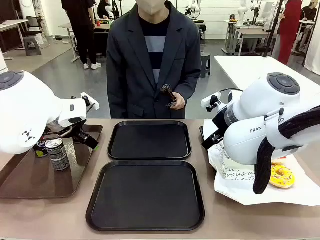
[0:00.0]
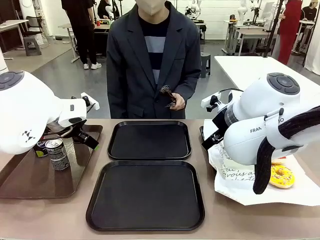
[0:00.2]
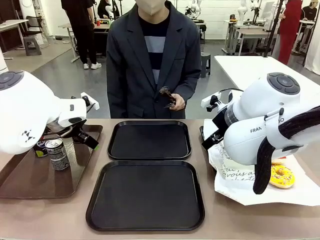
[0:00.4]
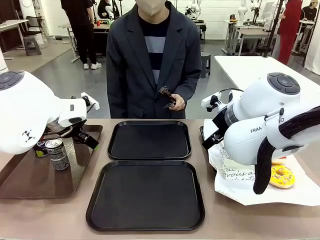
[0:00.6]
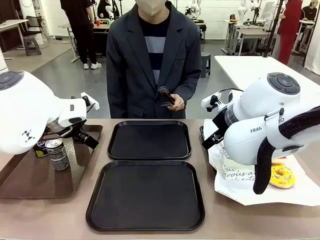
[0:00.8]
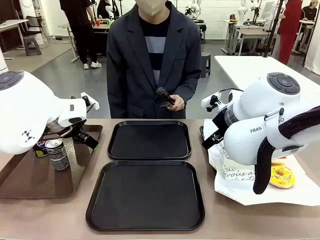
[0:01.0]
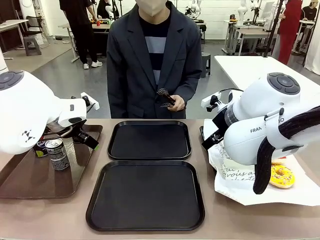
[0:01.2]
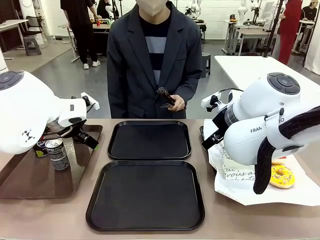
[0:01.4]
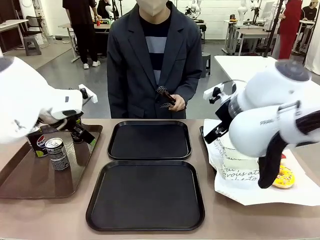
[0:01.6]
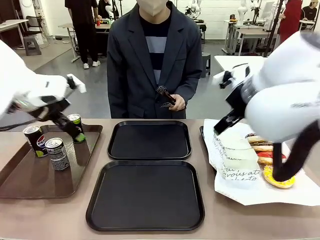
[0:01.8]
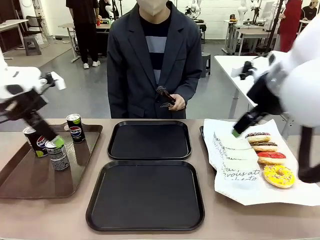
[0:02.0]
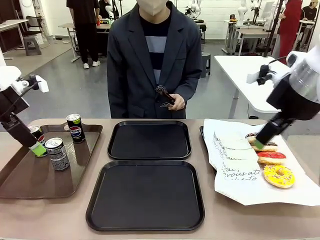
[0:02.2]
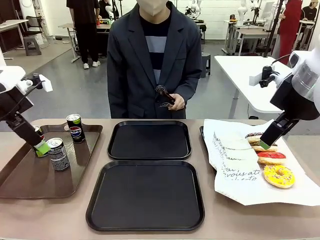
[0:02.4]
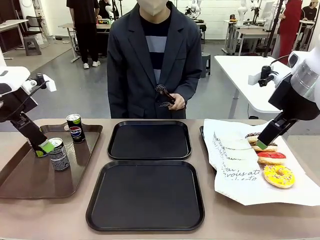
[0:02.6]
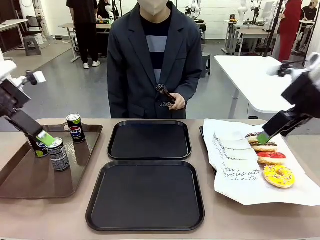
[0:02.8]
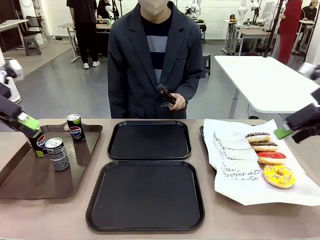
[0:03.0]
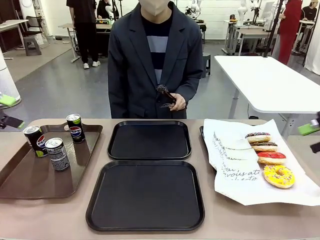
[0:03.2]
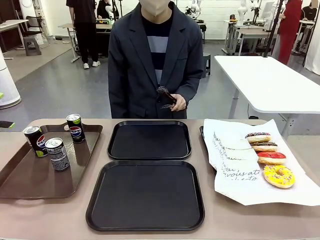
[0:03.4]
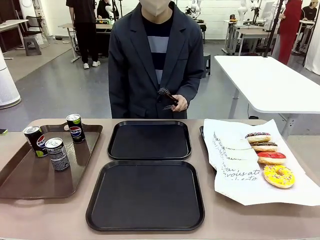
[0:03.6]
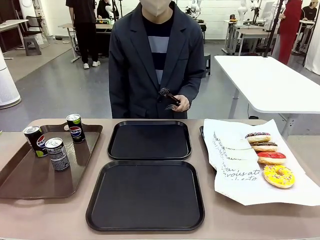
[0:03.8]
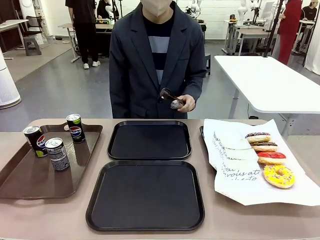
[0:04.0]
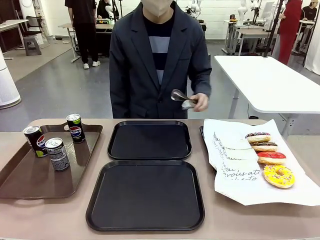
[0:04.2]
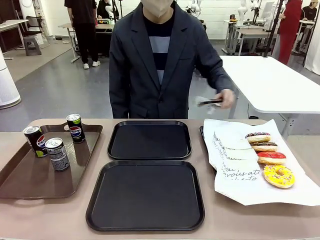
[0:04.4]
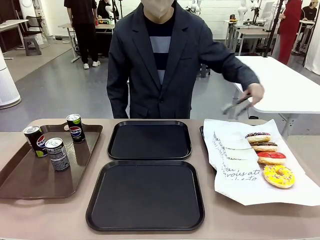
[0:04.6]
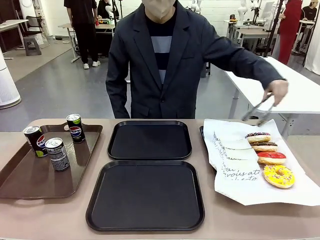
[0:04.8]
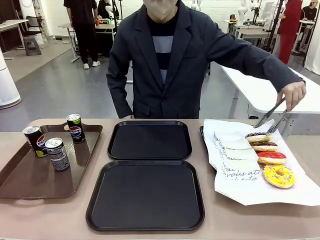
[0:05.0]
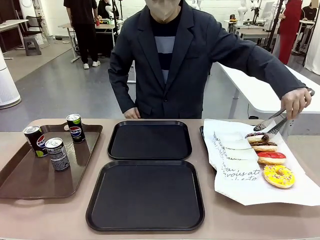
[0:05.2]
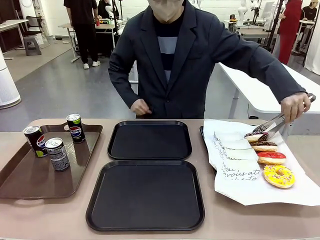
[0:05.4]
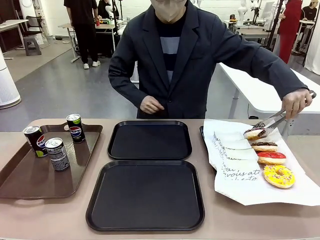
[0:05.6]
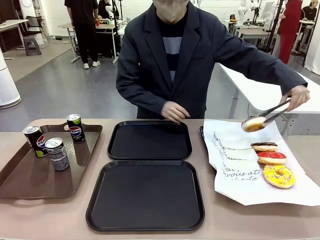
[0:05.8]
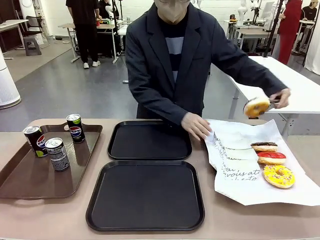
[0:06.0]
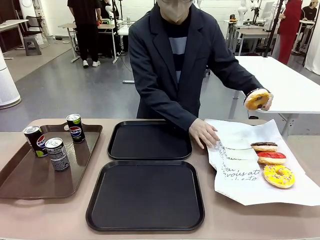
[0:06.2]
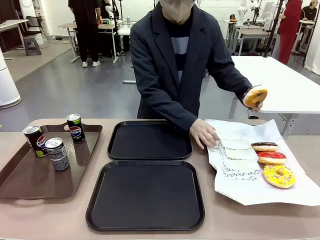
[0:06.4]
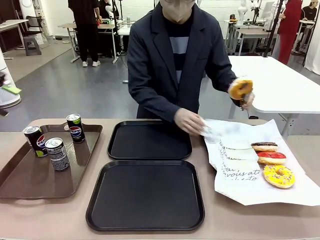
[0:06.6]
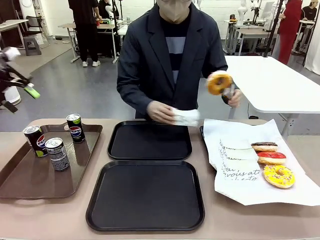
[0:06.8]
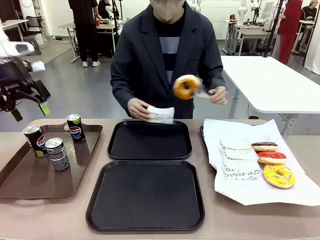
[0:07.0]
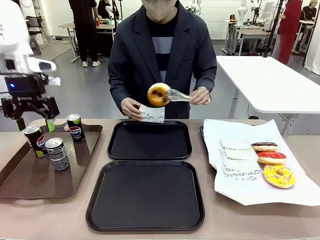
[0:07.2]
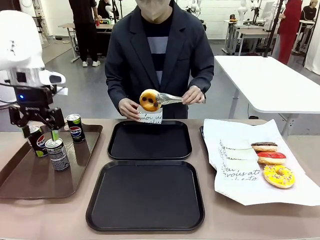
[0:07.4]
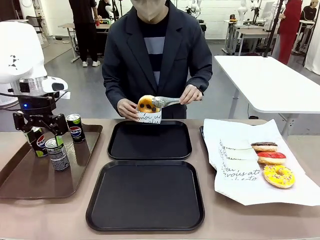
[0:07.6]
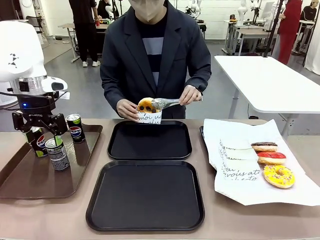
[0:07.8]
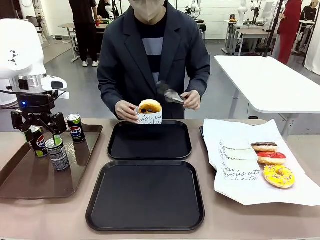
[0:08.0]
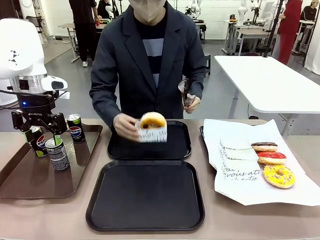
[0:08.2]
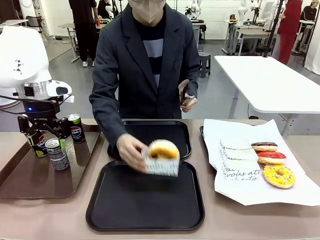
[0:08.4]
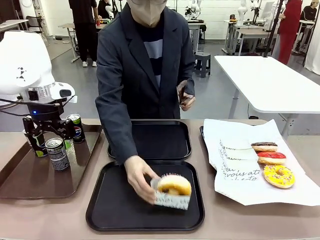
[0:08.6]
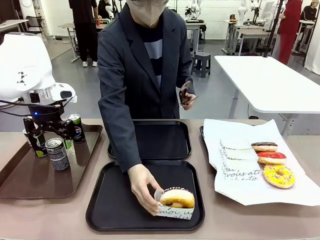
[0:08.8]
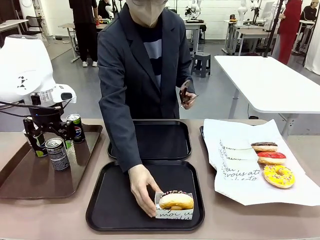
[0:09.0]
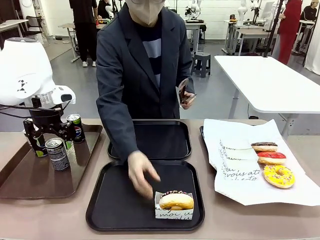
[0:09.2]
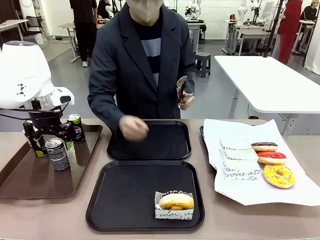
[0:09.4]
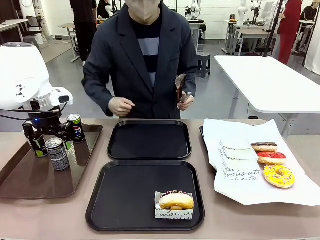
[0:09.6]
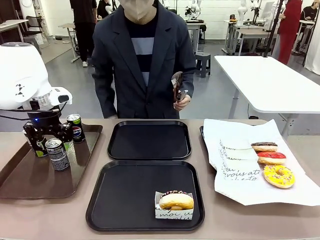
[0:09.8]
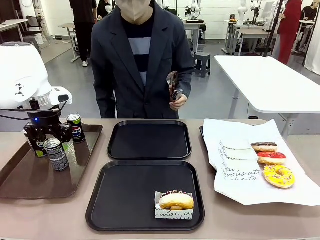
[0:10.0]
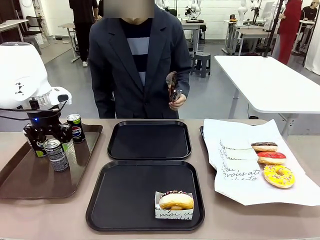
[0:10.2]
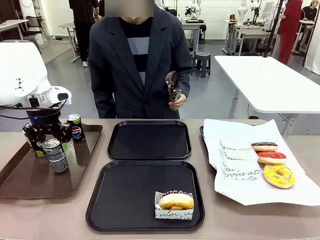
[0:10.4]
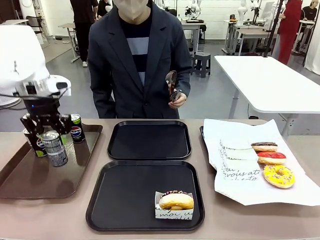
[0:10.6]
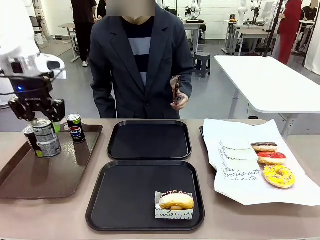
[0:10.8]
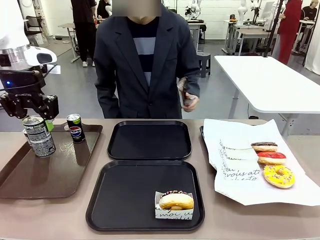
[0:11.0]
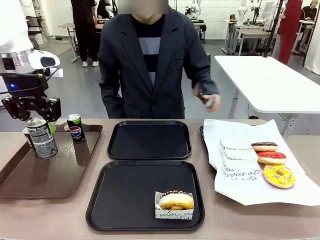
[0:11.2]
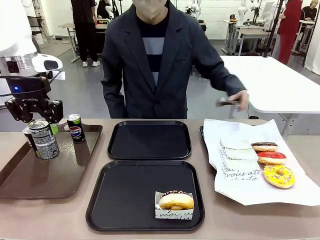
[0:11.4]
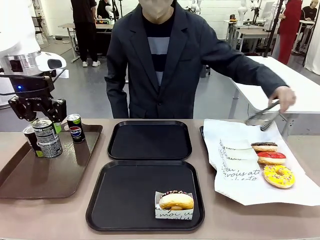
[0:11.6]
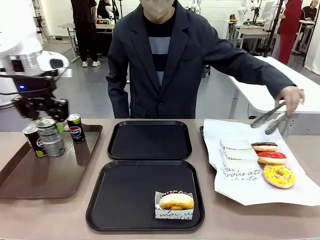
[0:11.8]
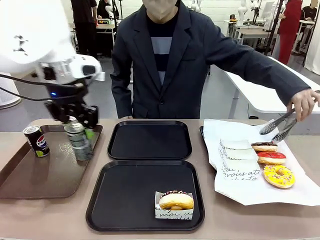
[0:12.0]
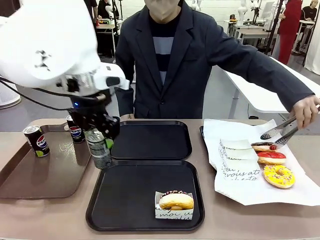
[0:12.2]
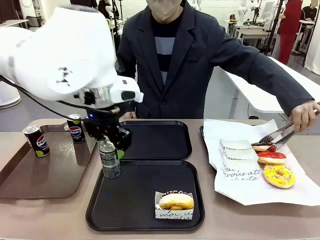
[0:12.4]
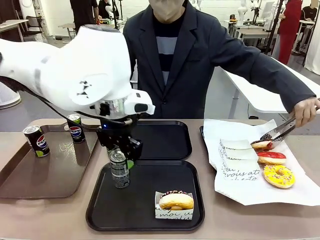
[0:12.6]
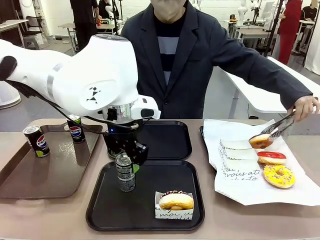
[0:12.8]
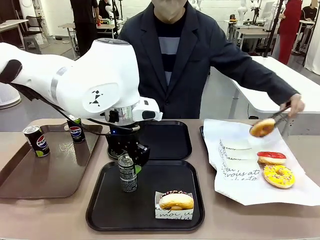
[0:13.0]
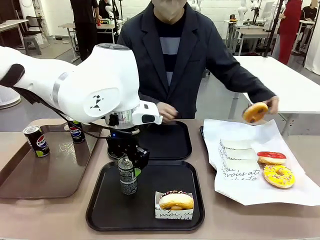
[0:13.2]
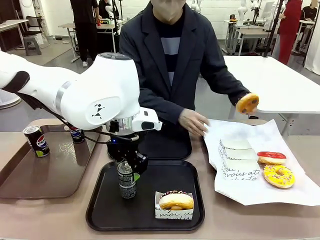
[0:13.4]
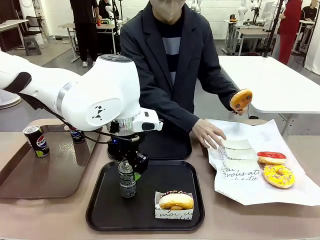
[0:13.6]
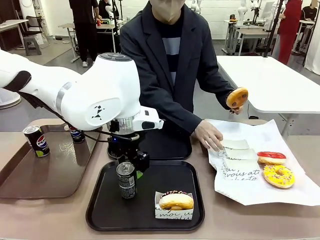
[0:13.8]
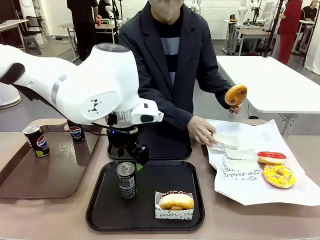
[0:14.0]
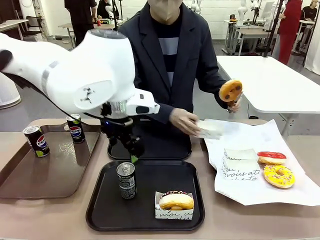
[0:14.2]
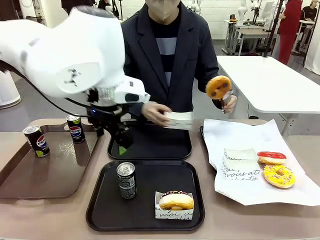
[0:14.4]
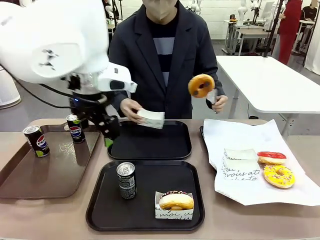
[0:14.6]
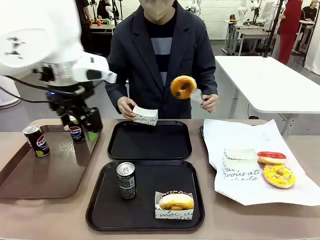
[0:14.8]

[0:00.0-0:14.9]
Task: Set up donuts and drinks on trays.
Robot: Pick up one Pepsi coke and place it on the Flat Tray.
